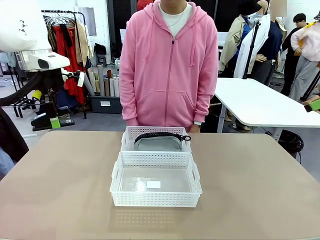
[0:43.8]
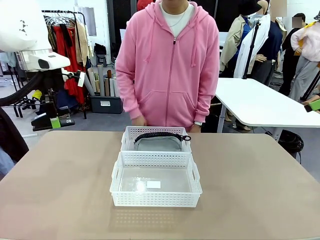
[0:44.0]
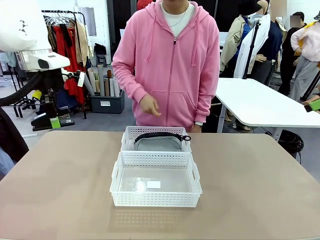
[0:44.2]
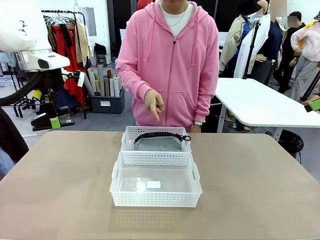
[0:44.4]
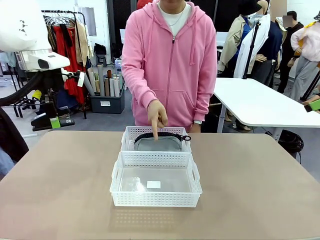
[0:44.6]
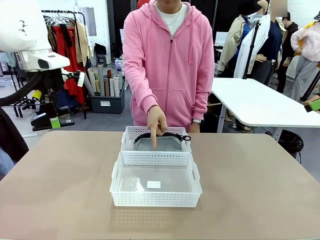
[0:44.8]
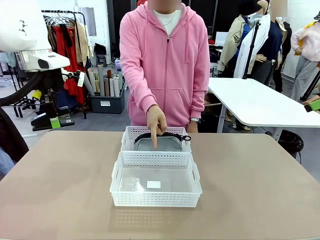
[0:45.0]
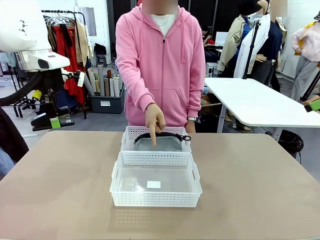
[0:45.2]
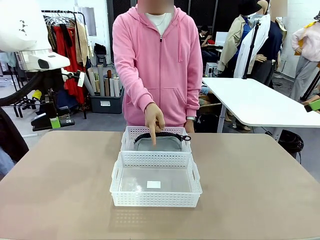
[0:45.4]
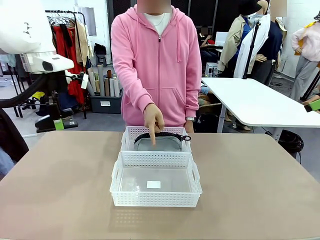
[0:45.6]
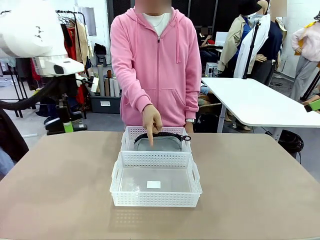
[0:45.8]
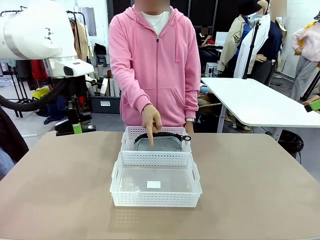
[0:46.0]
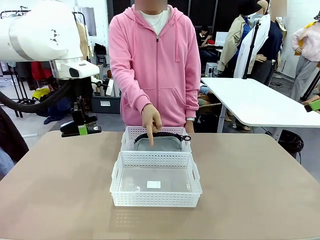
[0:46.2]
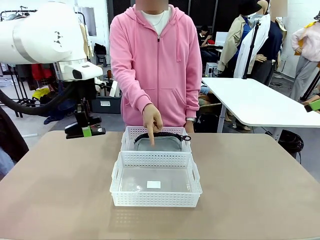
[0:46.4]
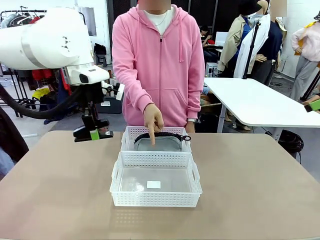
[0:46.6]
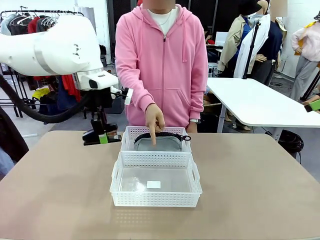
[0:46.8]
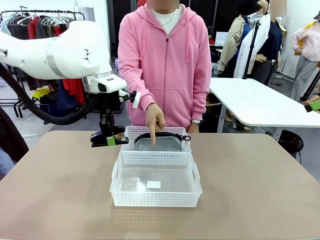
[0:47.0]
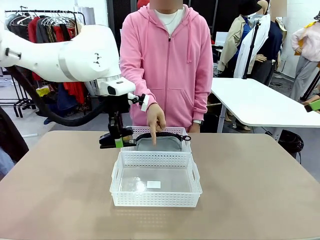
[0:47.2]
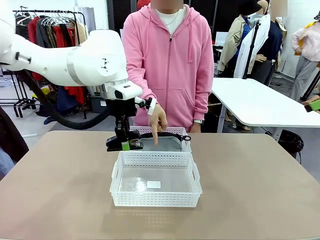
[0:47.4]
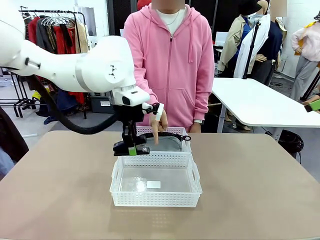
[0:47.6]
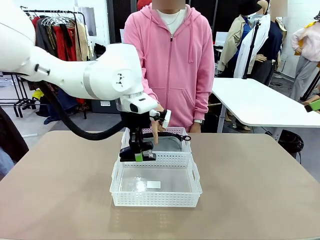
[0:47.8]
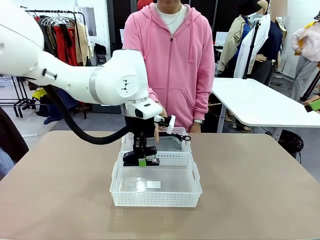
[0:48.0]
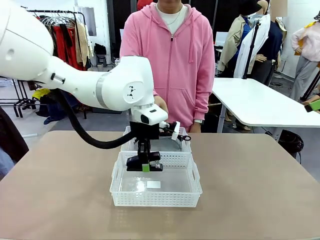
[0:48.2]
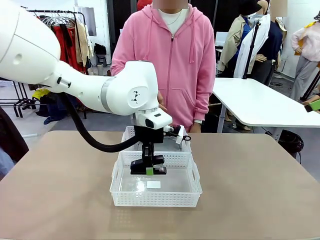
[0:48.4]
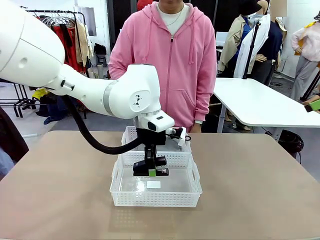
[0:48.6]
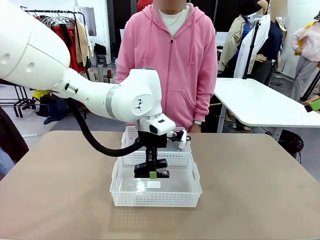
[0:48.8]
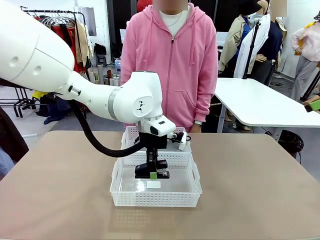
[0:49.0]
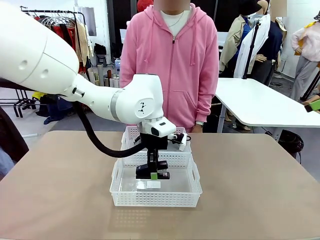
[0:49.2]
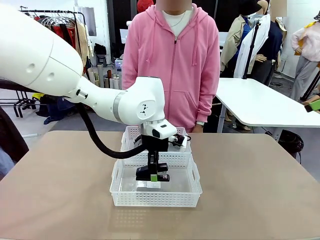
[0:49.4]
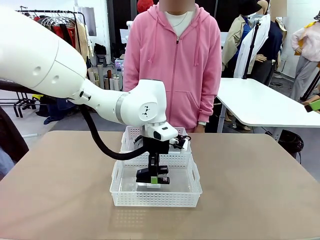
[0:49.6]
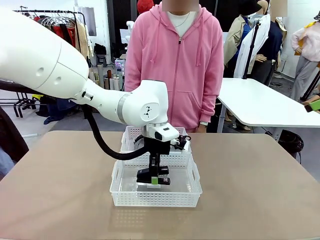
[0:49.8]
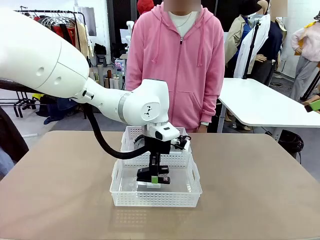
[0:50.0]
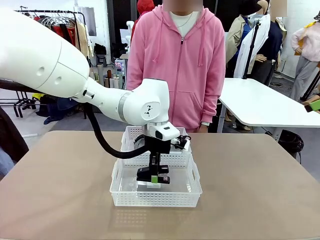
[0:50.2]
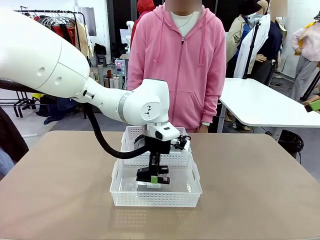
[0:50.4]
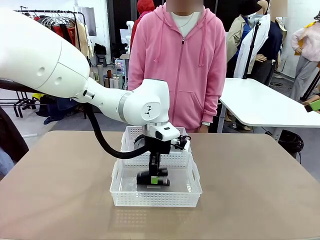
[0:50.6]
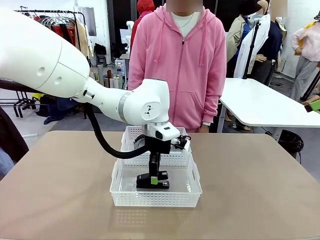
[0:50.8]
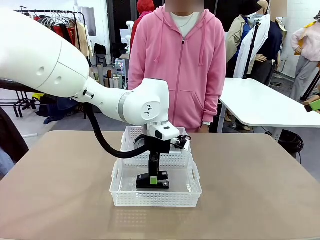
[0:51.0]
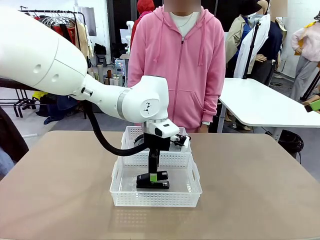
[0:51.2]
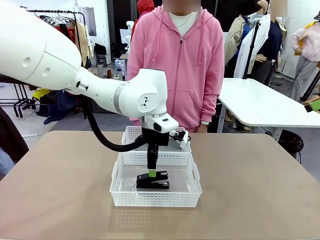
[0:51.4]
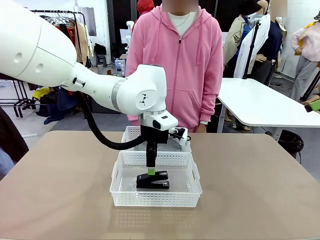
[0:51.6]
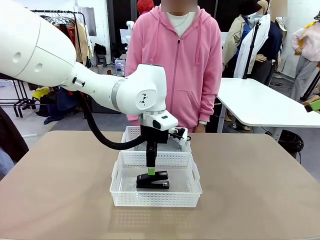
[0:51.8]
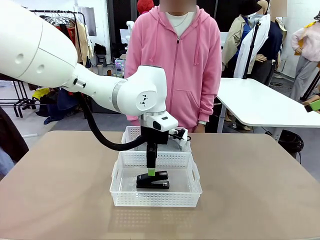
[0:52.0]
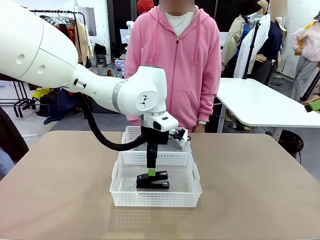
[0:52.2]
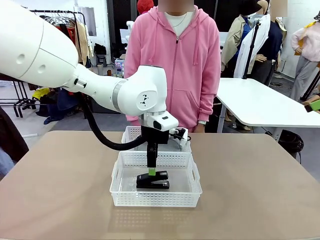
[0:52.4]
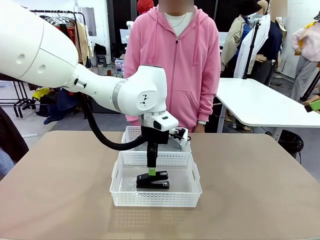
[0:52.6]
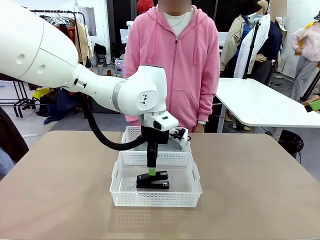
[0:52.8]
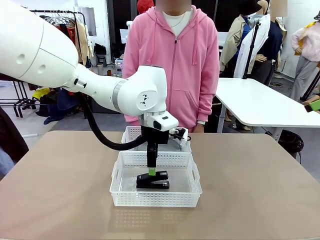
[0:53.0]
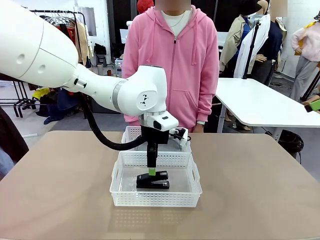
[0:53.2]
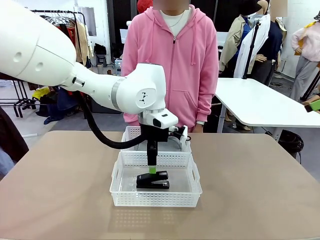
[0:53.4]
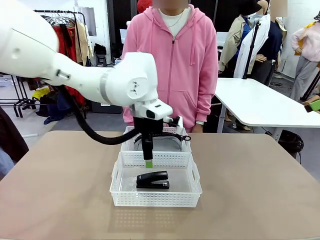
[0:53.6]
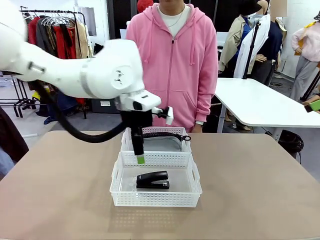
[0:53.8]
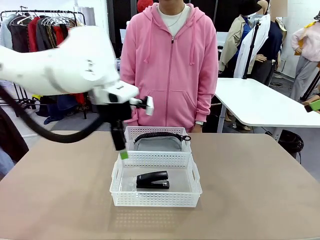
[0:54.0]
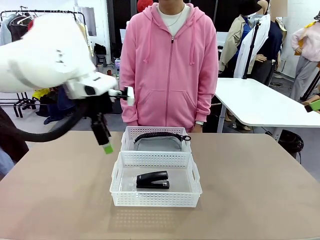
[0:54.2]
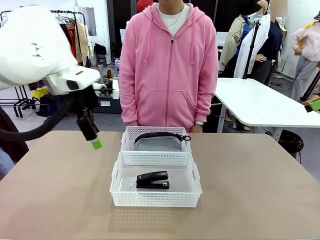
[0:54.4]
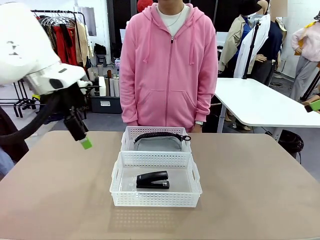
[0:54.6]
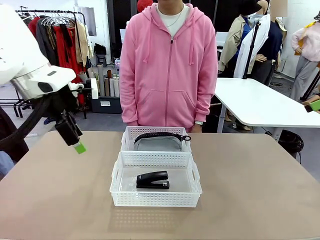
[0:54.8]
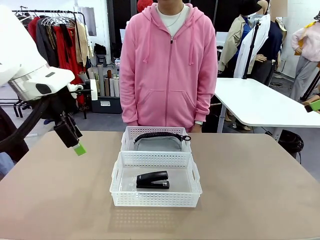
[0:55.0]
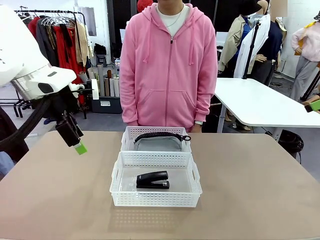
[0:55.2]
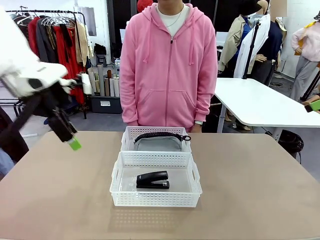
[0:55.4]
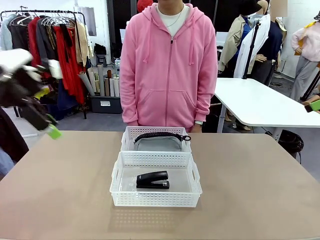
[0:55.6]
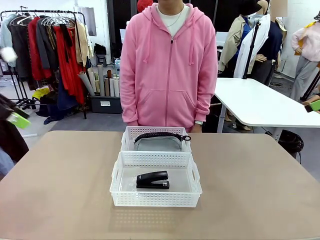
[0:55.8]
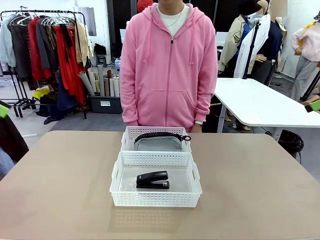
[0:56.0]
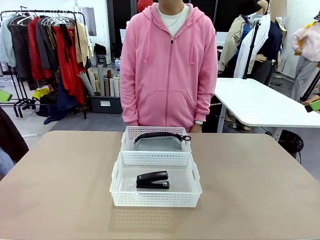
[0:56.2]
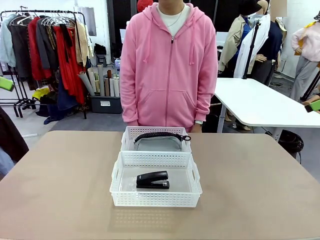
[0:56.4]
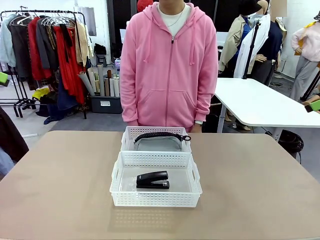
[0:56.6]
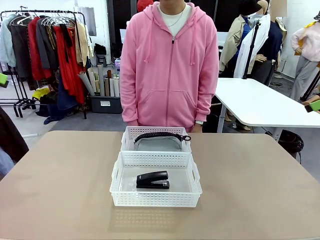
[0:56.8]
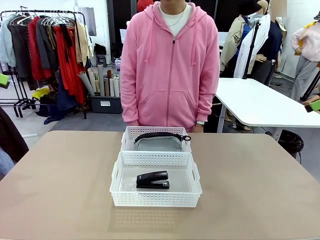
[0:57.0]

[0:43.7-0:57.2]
Task: Distribute items into two baskets.
Robot: Place the picked Stapler into the Organizing basket as instructed by the person.
Person: Points to the basket that does not contain the pencil case and instructs the robot to move the stapler there.

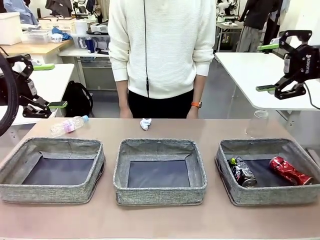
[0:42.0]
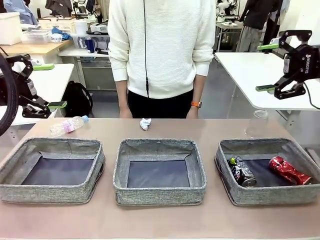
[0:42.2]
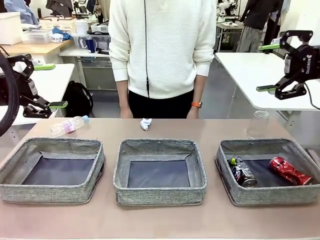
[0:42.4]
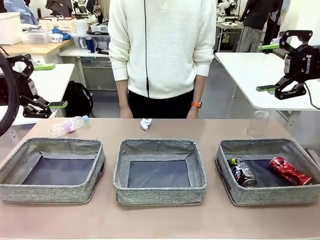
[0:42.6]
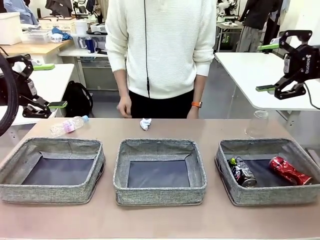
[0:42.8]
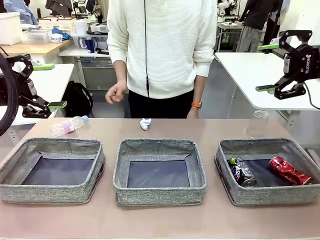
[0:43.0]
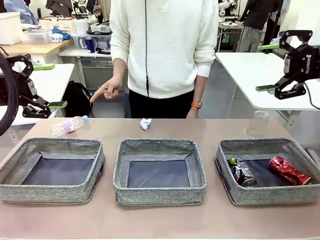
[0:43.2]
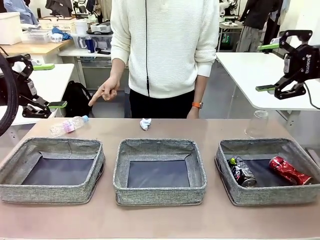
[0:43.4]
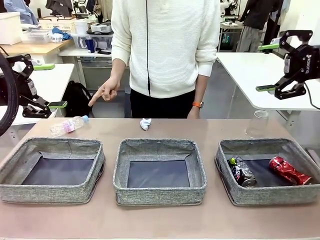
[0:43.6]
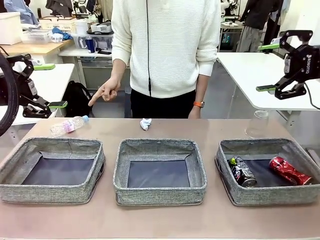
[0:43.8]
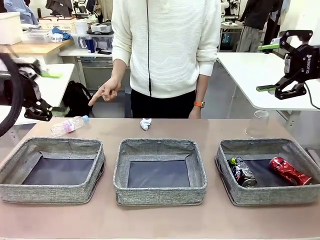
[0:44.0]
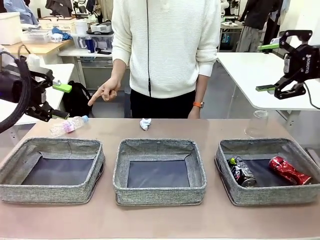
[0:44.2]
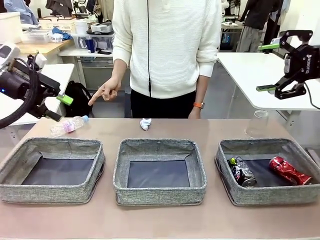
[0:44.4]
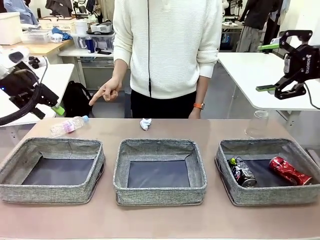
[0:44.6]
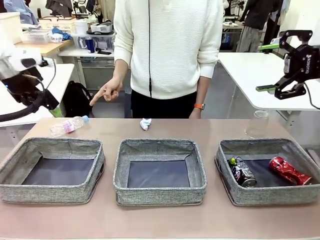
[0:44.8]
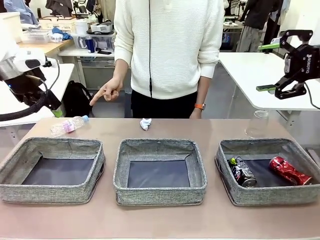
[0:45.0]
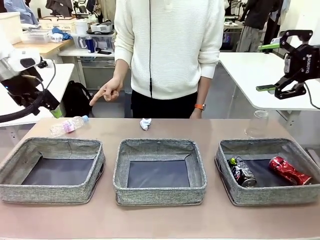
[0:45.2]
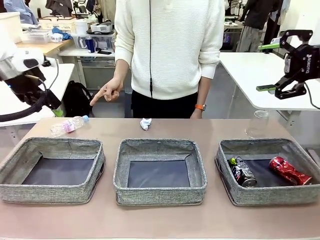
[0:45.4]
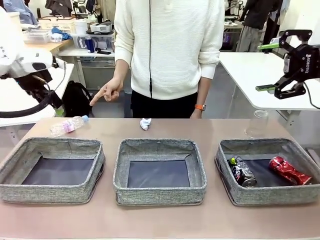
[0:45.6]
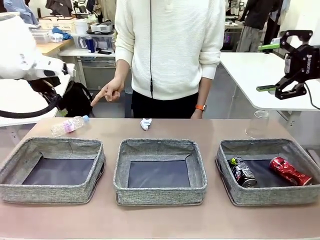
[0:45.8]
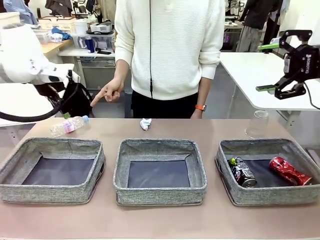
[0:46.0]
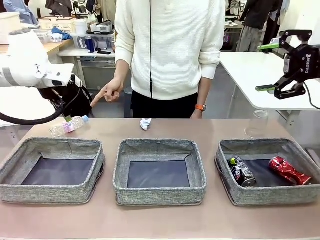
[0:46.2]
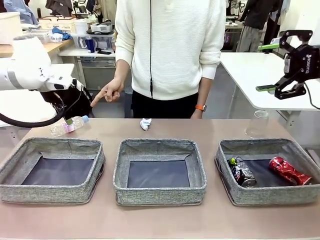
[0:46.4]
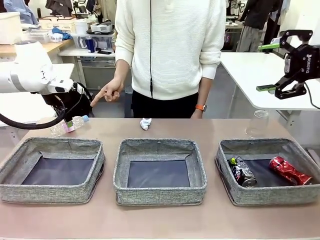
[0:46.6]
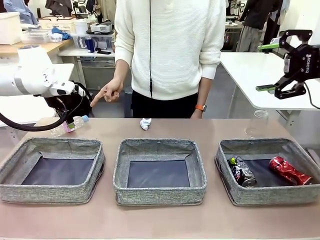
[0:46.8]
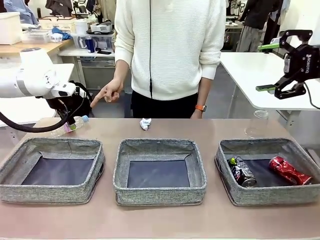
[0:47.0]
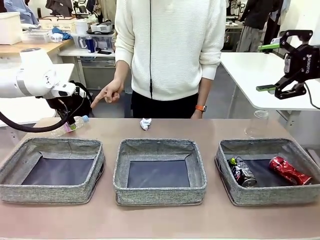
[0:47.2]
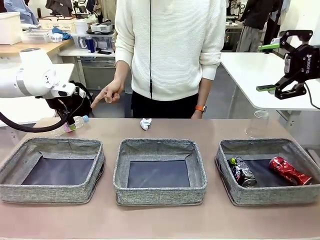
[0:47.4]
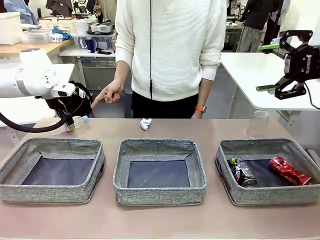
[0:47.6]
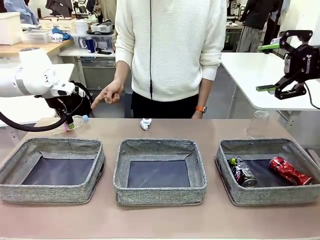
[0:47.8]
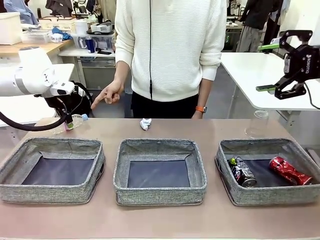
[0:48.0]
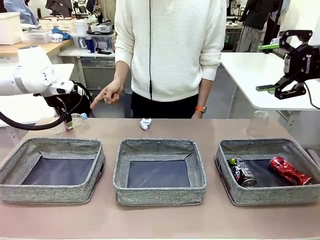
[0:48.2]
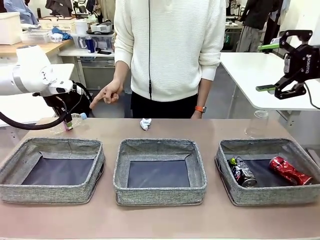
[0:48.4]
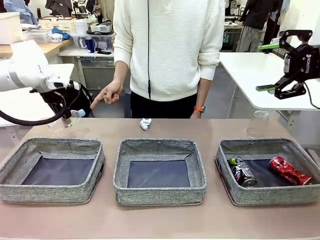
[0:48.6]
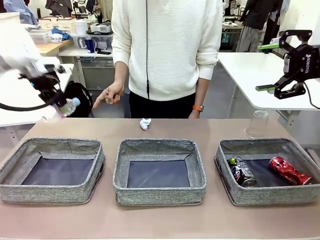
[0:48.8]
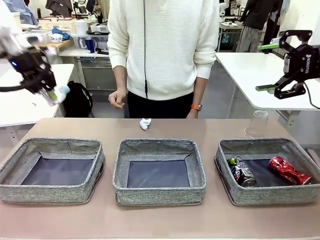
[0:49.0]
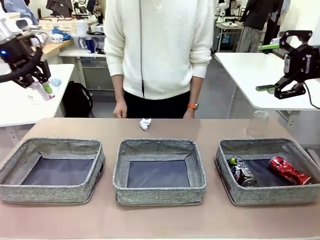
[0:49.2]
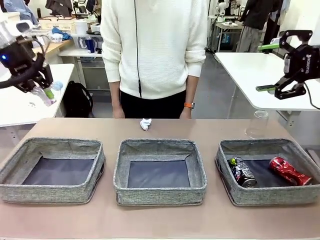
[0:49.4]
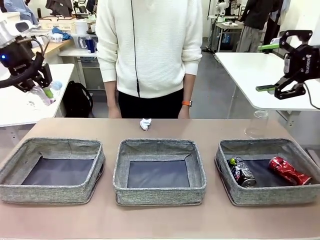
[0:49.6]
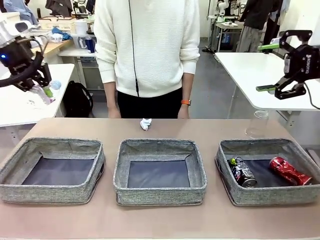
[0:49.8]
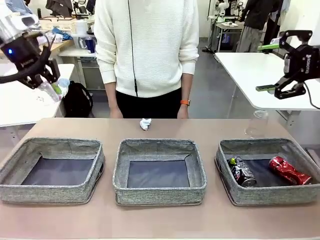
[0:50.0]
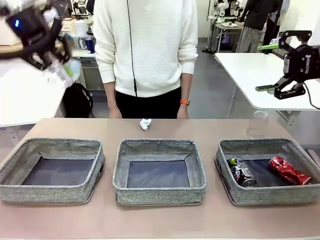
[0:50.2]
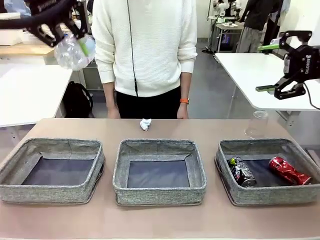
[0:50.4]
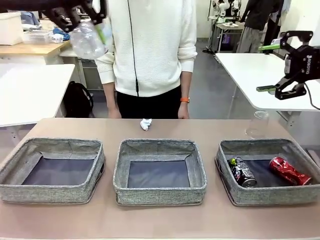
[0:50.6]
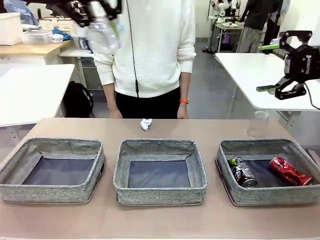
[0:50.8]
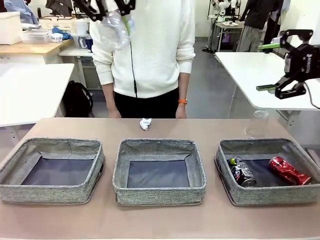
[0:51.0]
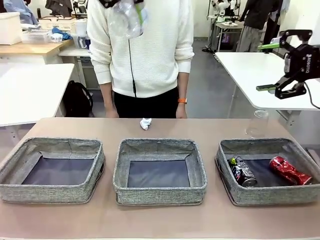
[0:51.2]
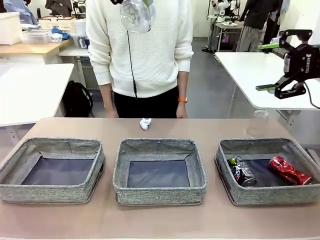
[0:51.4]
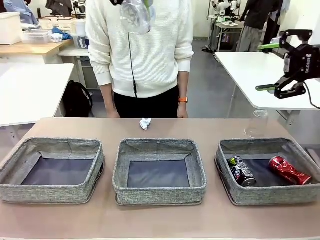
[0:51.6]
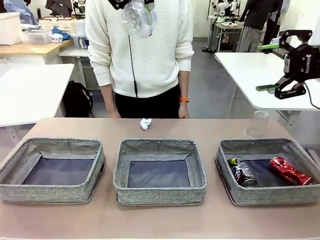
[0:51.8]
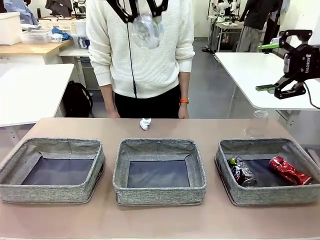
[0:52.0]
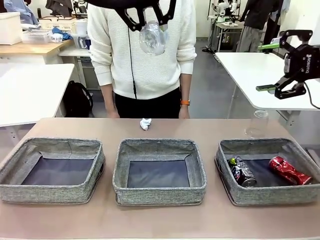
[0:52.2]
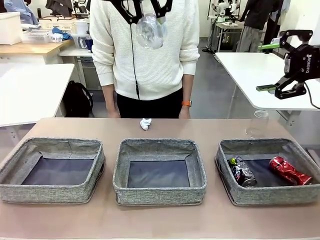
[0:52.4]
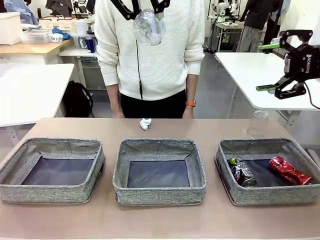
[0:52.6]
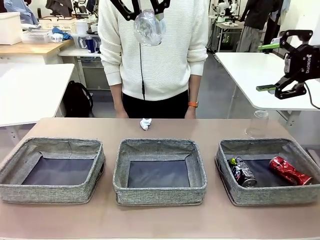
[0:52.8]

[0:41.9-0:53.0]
Task: Sort the waste into the appropriate baskets.
Robot: Pick up the waste item pointed out by the person.
Person: Points to one piece of trash on the table.
